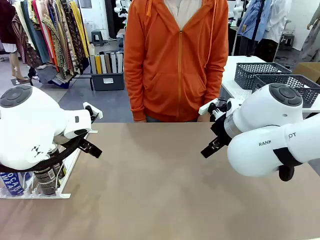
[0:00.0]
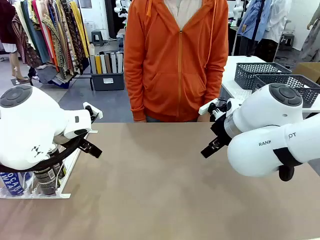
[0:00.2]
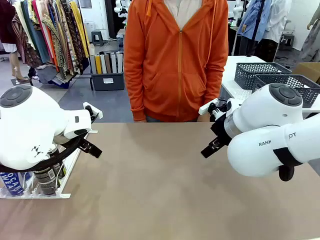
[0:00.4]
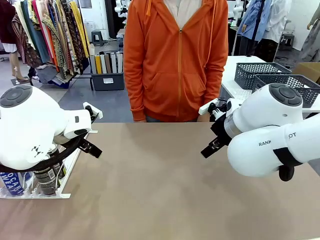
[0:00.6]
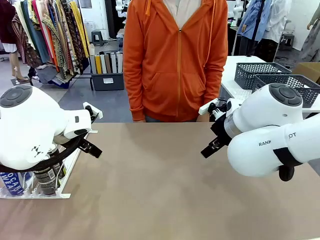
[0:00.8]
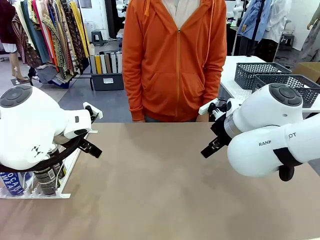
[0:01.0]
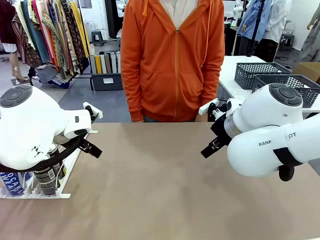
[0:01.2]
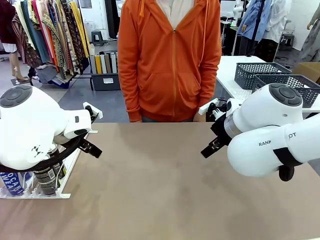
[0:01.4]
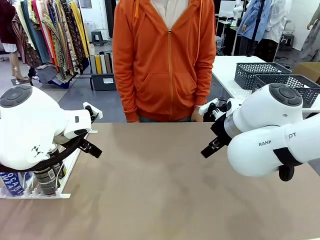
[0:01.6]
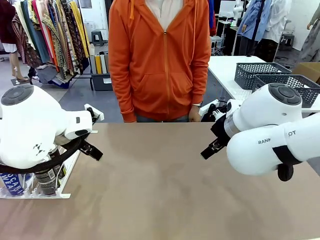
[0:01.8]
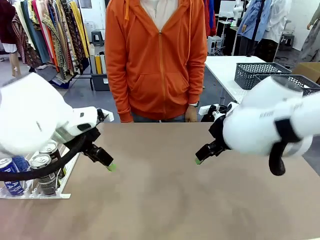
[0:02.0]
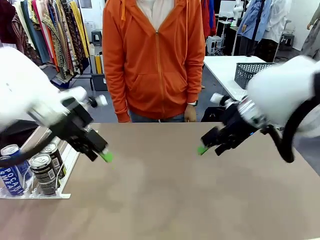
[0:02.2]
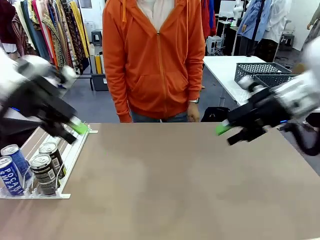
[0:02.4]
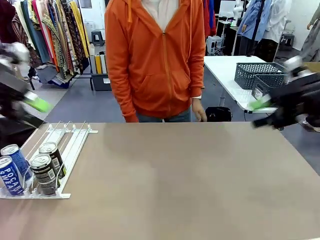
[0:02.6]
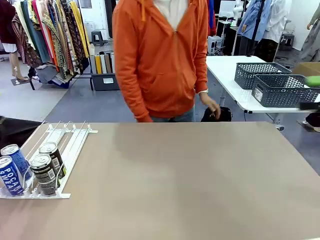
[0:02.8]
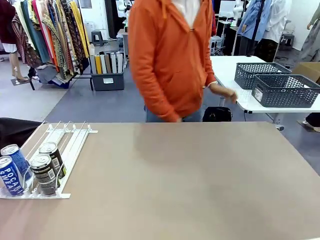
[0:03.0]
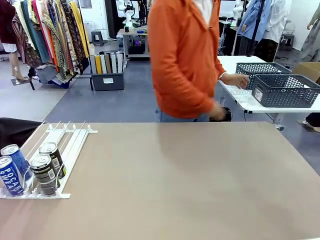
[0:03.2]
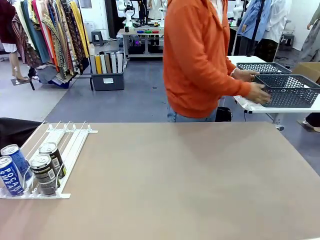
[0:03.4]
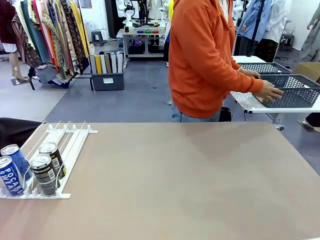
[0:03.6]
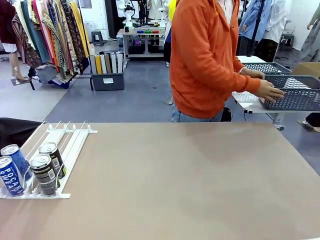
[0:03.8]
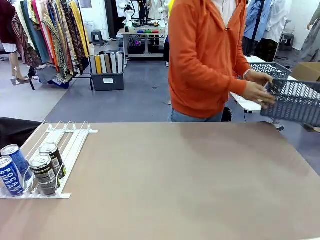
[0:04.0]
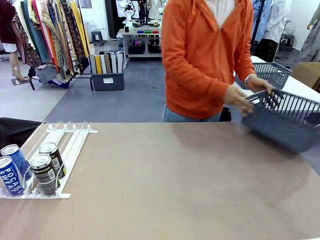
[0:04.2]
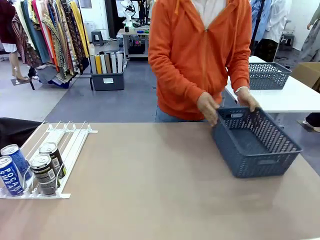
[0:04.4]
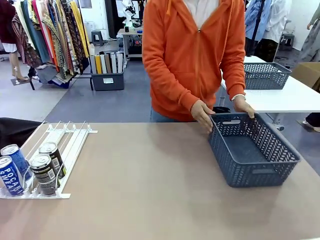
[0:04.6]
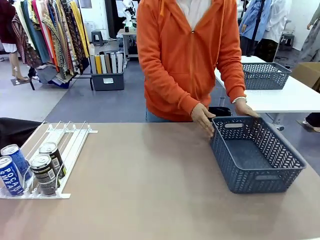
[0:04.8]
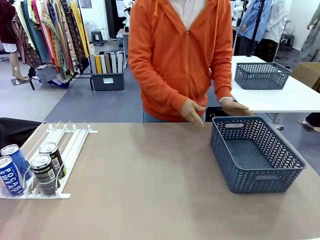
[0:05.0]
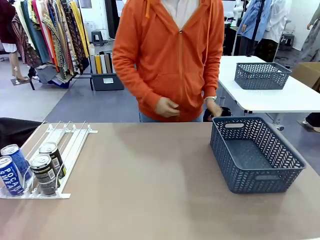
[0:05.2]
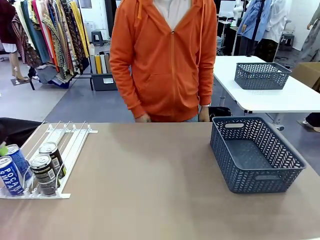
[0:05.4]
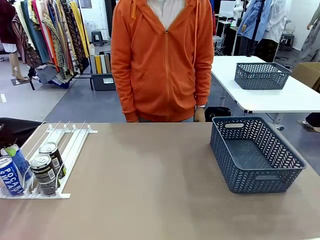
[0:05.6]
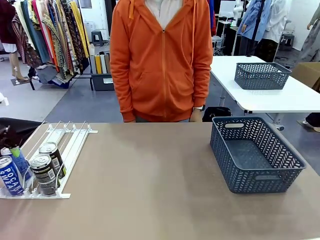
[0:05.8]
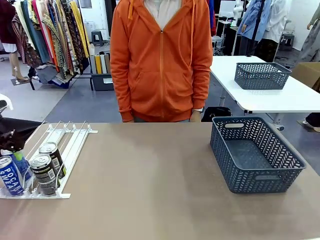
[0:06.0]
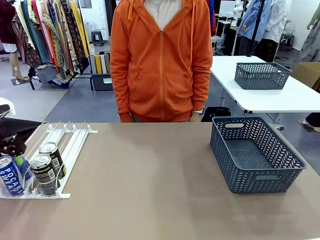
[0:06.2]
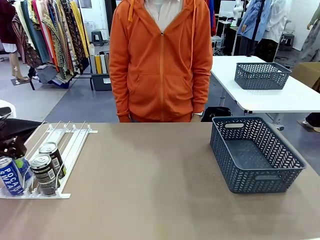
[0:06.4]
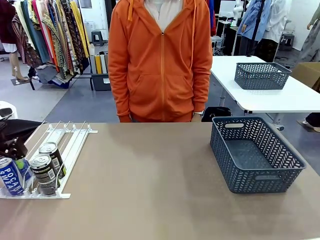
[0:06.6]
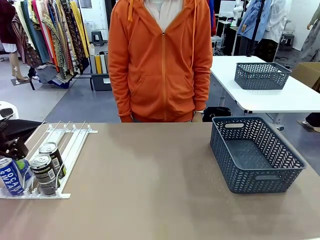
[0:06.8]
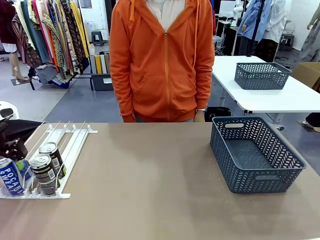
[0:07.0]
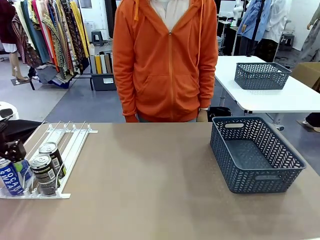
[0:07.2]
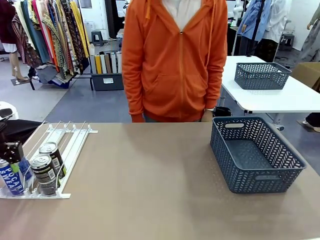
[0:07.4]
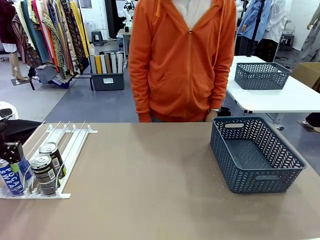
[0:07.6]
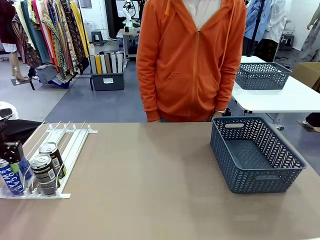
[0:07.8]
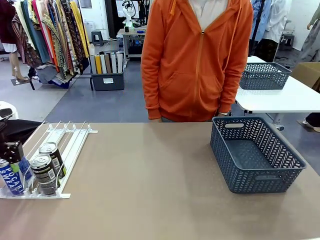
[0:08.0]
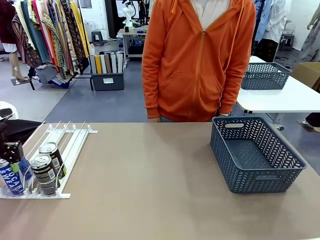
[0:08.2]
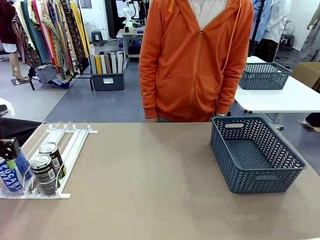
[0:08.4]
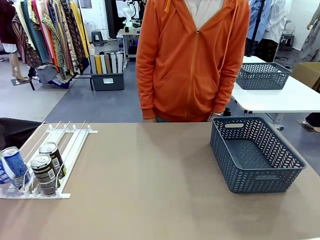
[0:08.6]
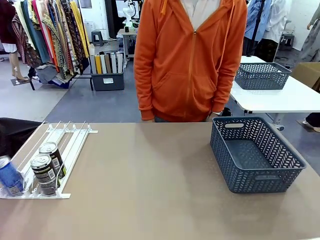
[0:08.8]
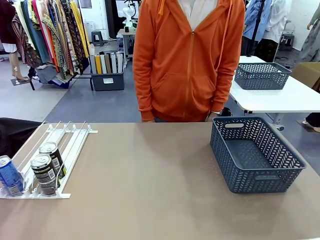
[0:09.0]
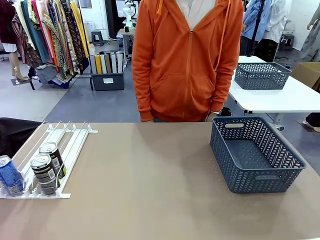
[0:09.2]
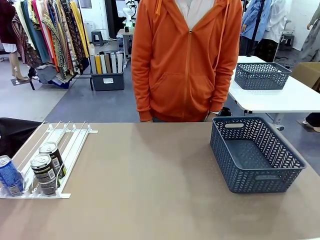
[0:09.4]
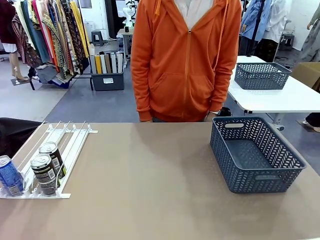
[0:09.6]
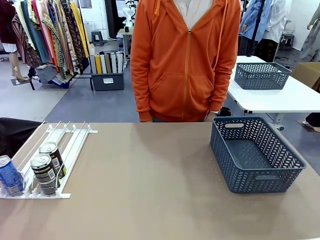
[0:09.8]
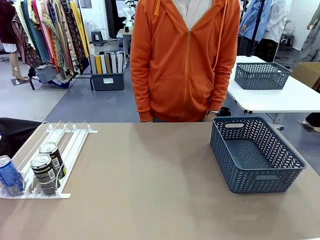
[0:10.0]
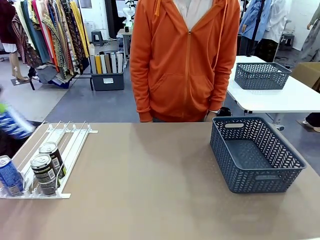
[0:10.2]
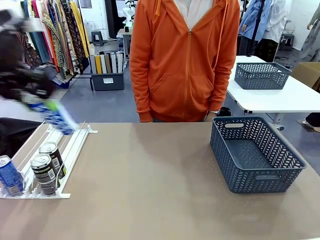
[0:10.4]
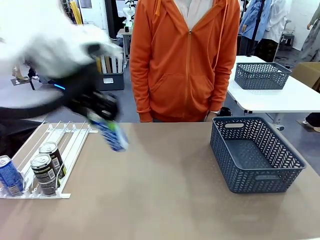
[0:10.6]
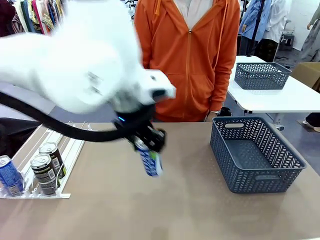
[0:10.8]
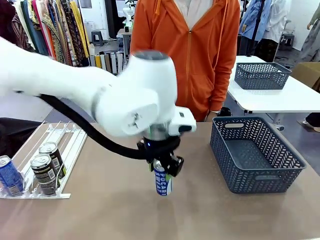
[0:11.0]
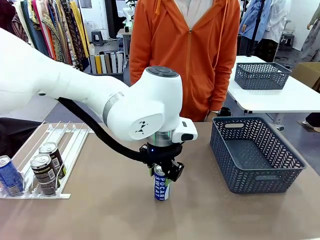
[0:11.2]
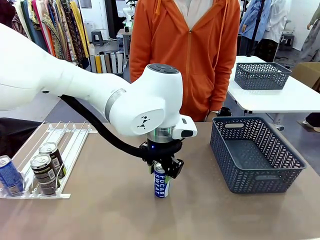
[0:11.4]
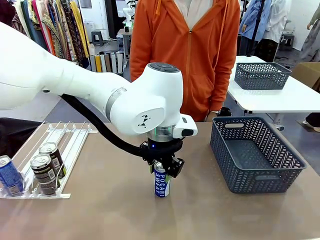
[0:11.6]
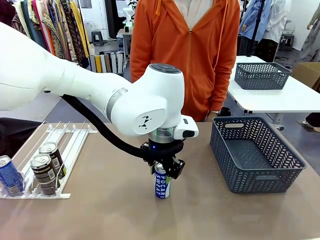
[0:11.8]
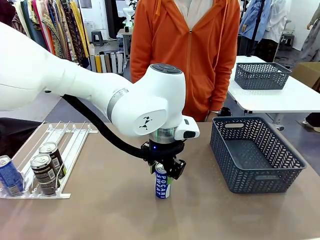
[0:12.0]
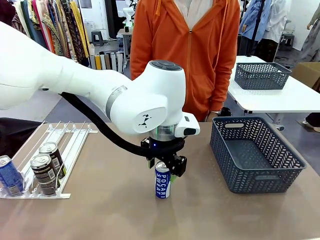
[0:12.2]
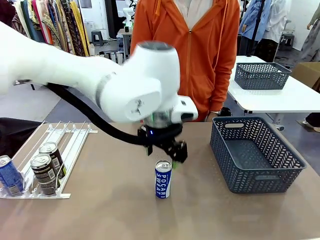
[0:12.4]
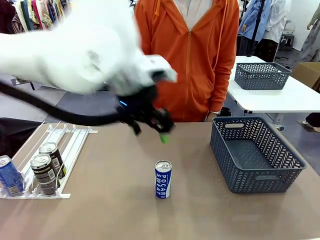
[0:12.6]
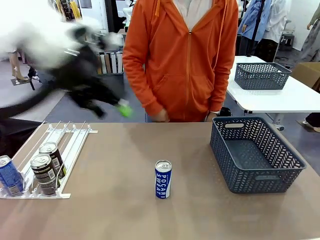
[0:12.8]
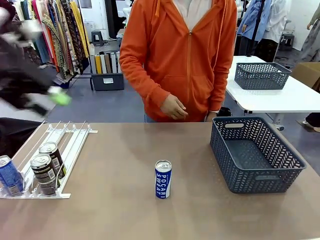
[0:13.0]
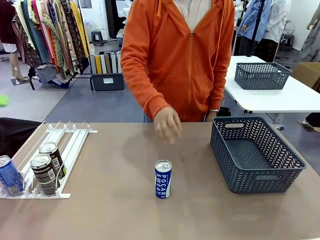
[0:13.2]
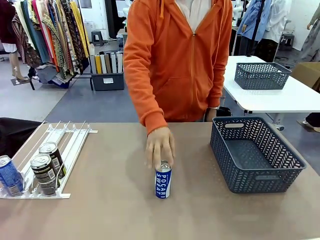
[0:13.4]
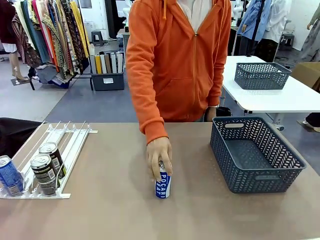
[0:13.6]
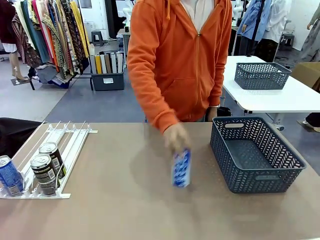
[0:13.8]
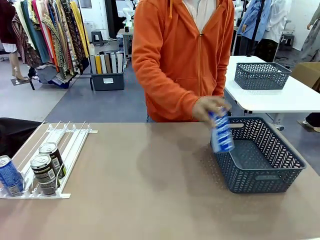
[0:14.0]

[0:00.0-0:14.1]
Task: Retrieve and store the cans from the dispenser.
Robot: Pick up one can from the Automatic Can Dispenser and place it in the middle of the table.
Person: Pick up the basket and place it on the left side of the robot table.

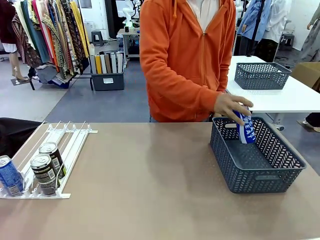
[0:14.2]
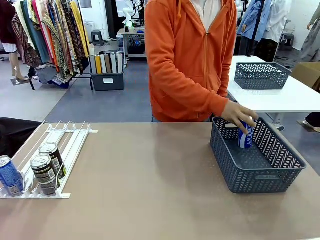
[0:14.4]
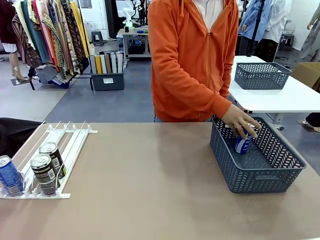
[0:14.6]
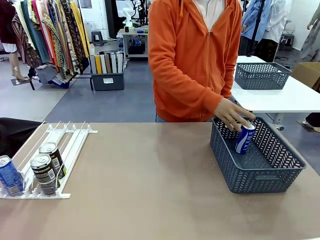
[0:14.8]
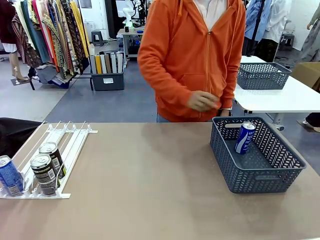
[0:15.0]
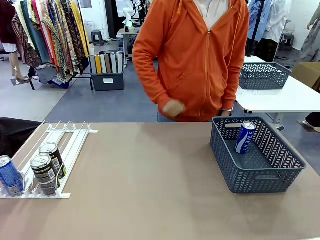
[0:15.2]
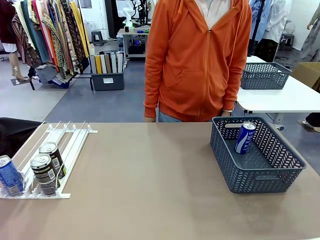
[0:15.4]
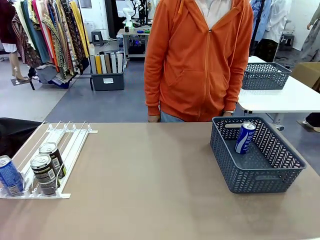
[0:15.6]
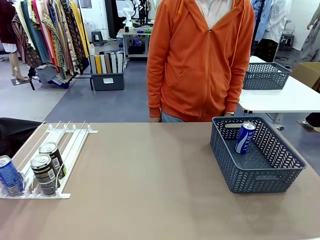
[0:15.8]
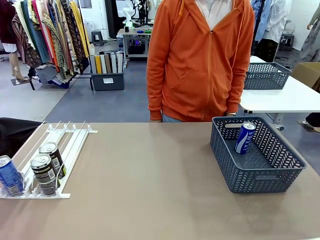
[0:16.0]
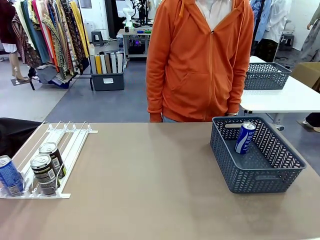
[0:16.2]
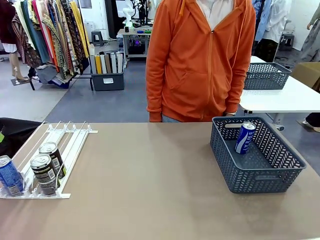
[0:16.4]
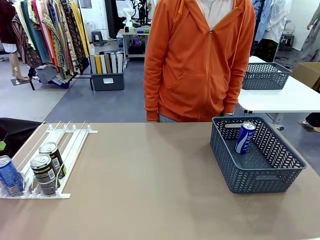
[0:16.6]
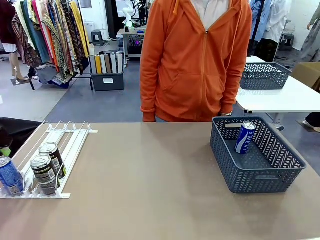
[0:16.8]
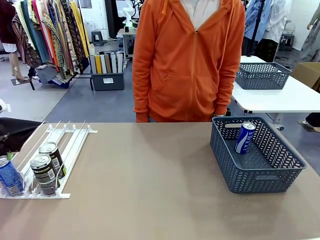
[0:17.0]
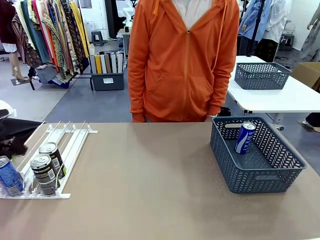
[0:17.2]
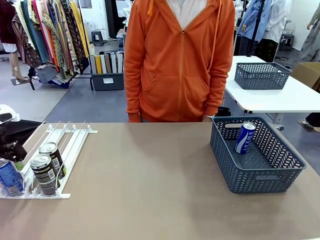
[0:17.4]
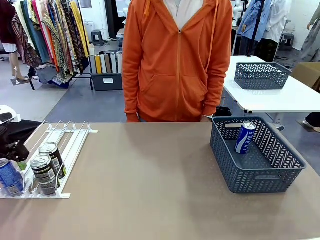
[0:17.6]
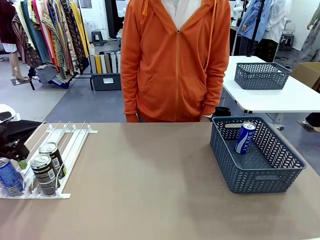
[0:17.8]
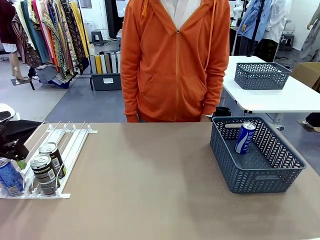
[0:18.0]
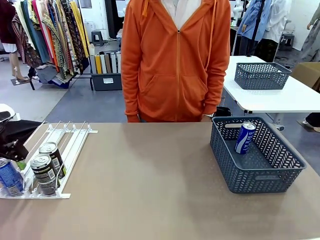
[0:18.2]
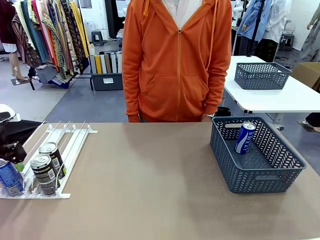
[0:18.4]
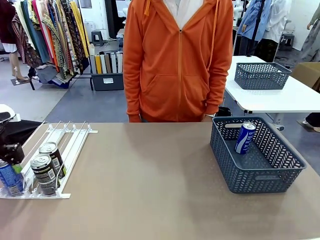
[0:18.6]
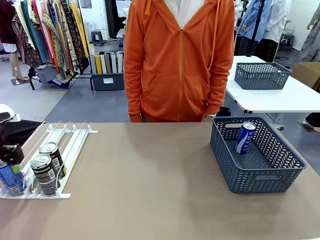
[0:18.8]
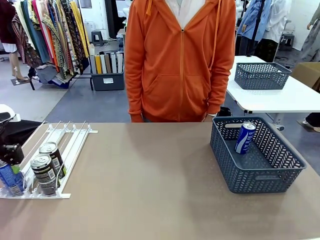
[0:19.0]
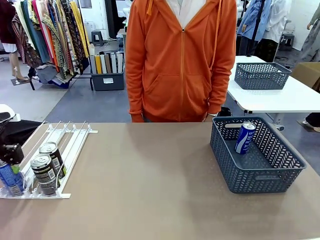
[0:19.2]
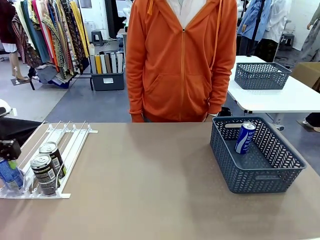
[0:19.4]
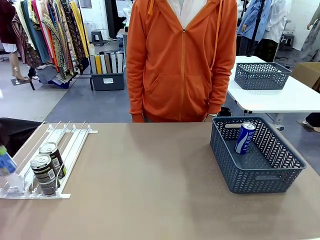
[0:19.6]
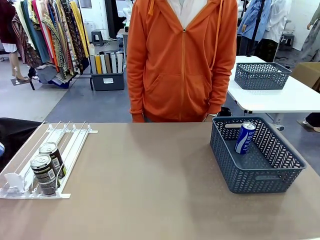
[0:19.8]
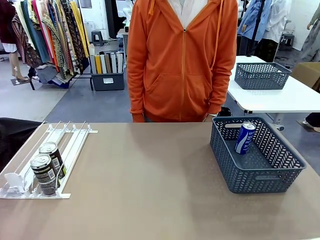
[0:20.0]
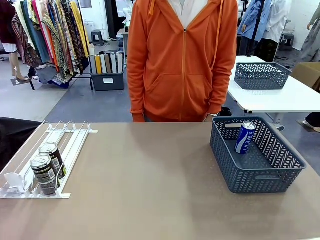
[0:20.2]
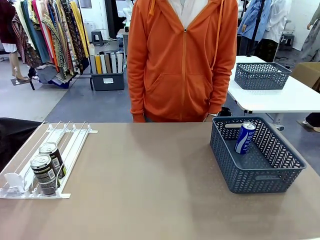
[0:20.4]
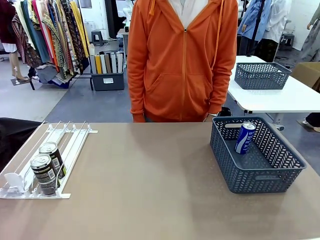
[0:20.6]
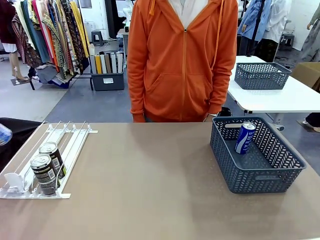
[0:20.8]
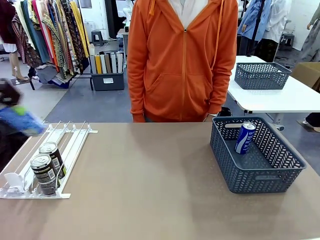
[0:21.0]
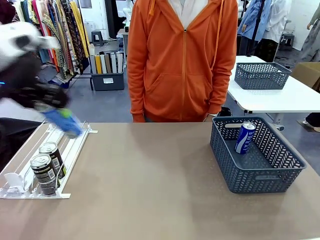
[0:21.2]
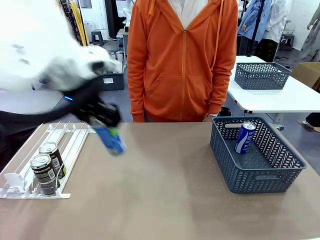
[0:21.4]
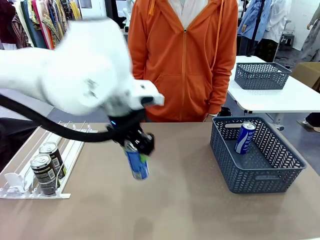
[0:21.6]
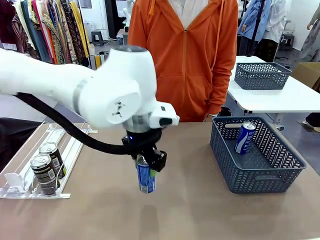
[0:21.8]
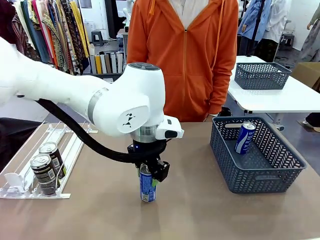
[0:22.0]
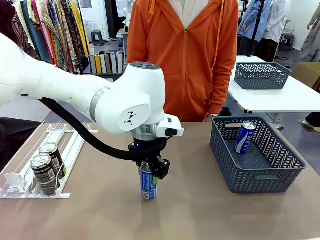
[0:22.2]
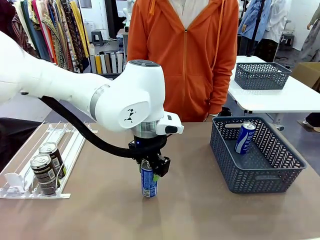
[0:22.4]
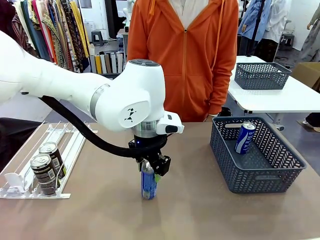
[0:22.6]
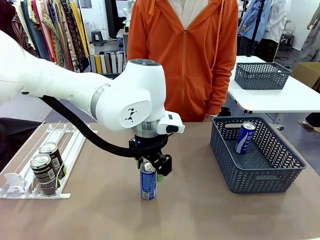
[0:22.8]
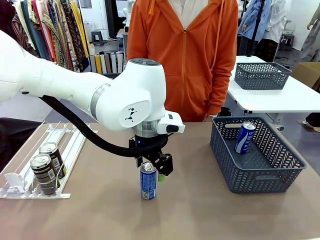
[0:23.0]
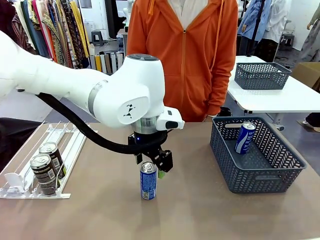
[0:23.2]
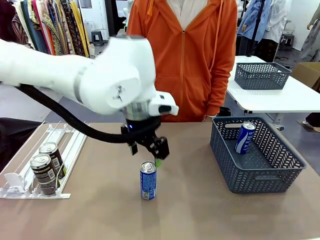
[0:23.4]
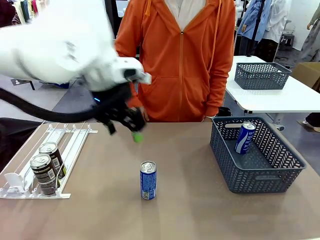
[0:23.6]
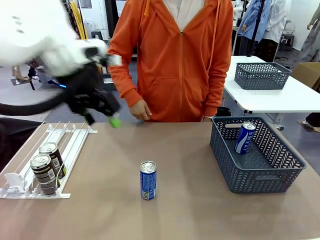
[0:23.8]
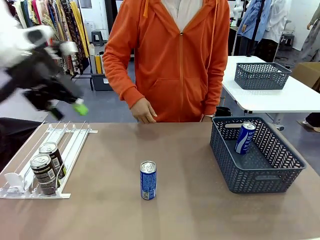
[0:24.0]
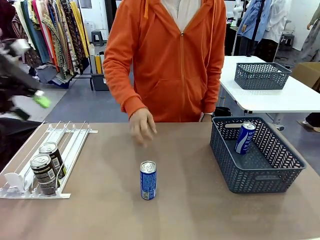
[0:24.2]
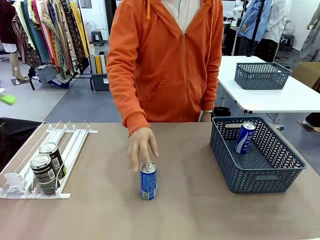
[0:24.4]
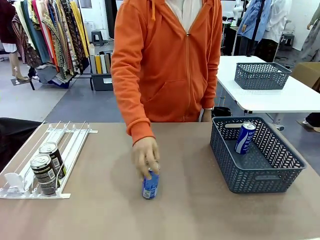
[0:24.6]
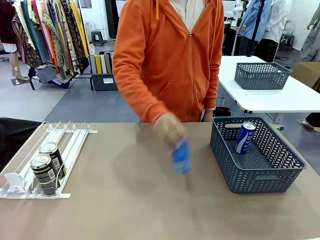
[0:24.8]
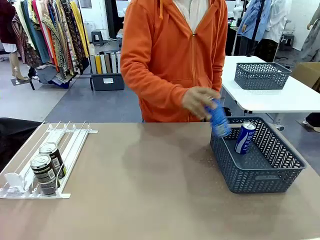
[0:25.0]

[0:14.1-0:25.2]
Robot: Pick up the last remaining can from one row of the Automatic Can Dispenser and place it in the middle of the table.
Person: Pick up one Pepsi can from the middle of the robot table and place it in the basket.
